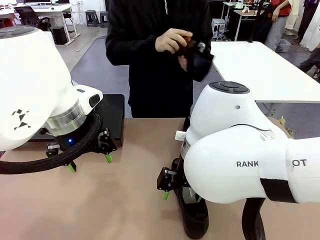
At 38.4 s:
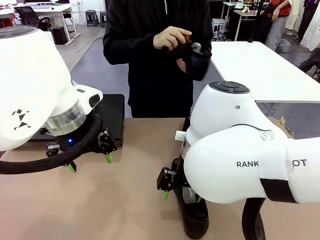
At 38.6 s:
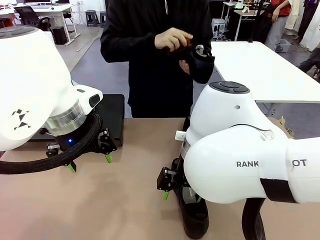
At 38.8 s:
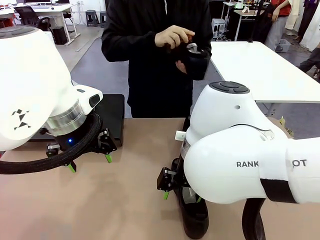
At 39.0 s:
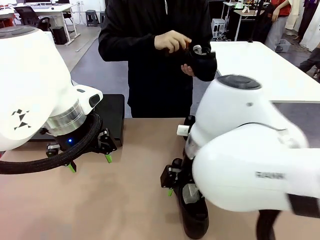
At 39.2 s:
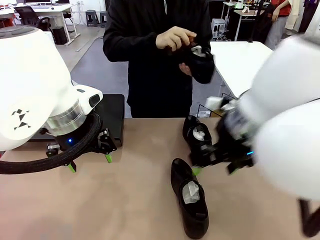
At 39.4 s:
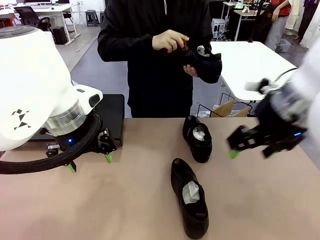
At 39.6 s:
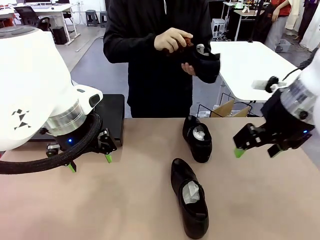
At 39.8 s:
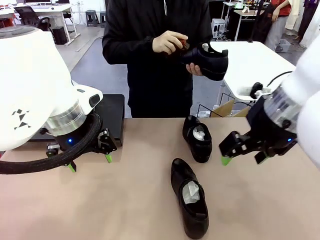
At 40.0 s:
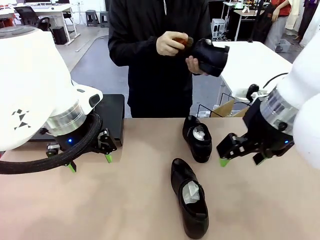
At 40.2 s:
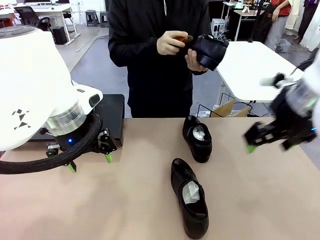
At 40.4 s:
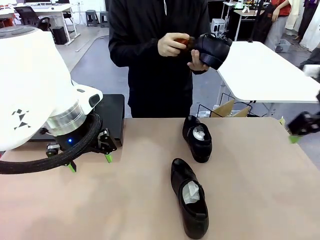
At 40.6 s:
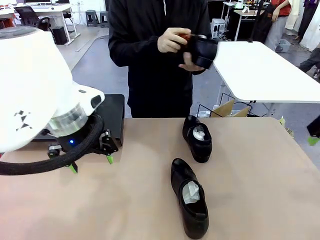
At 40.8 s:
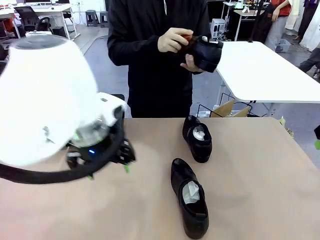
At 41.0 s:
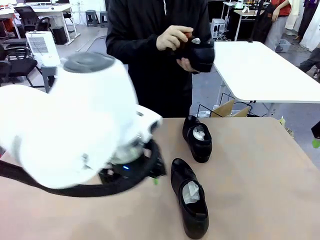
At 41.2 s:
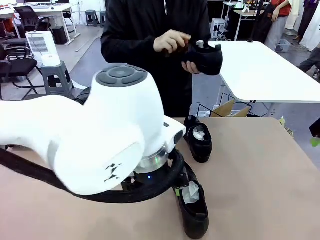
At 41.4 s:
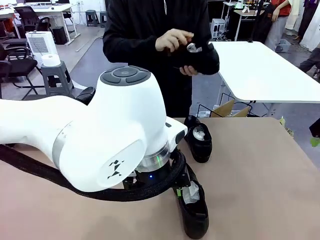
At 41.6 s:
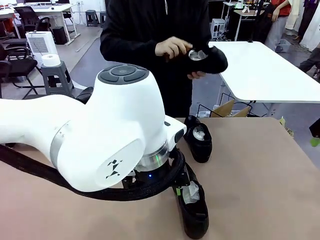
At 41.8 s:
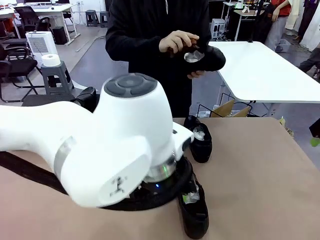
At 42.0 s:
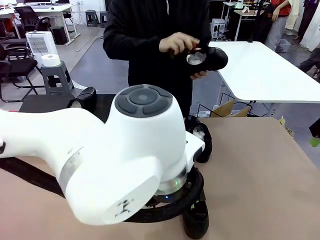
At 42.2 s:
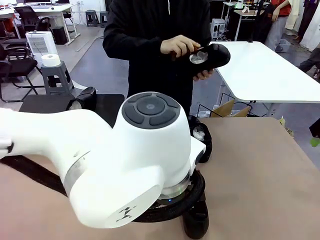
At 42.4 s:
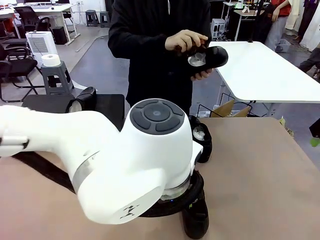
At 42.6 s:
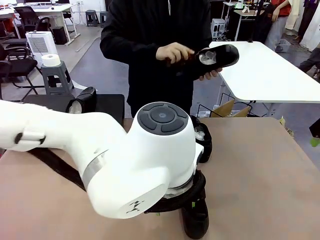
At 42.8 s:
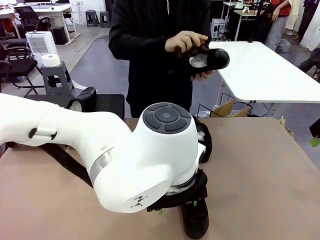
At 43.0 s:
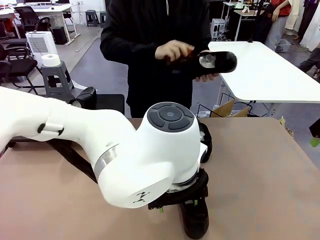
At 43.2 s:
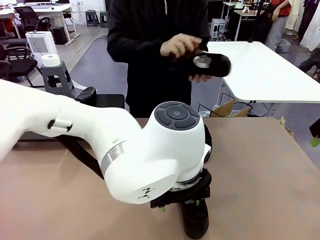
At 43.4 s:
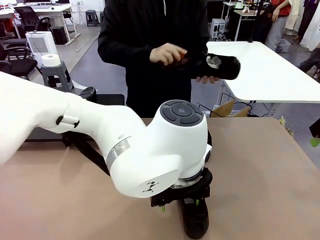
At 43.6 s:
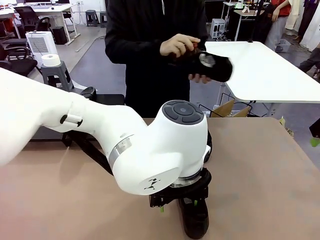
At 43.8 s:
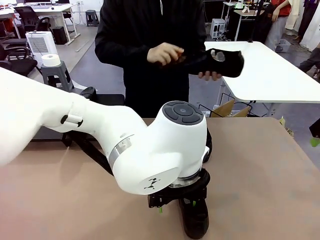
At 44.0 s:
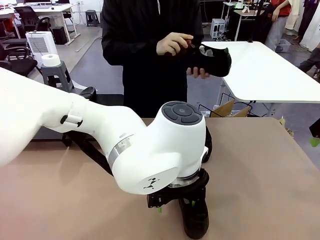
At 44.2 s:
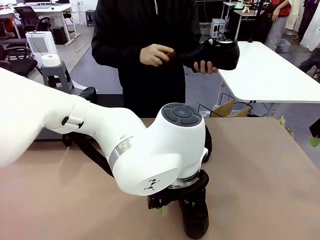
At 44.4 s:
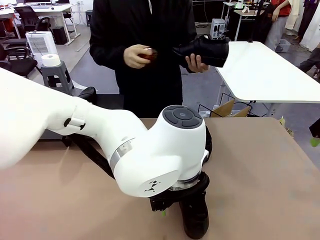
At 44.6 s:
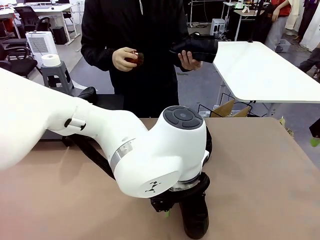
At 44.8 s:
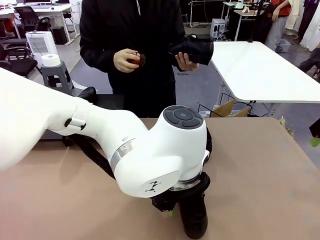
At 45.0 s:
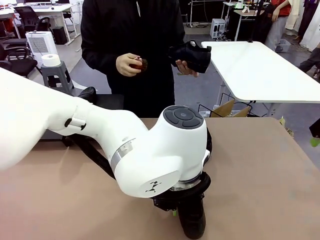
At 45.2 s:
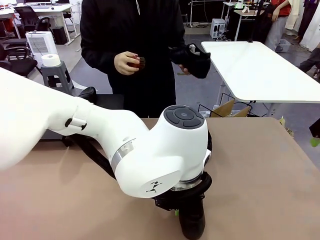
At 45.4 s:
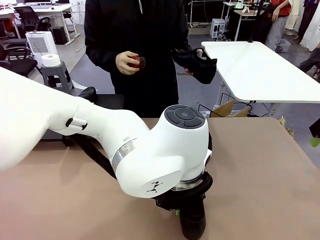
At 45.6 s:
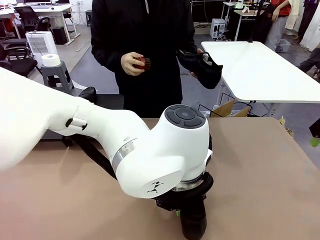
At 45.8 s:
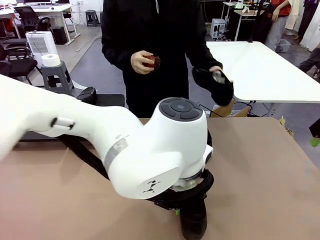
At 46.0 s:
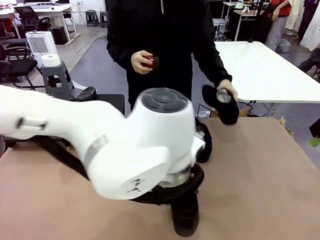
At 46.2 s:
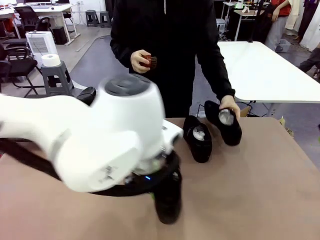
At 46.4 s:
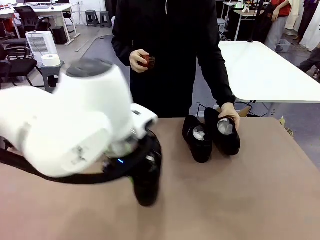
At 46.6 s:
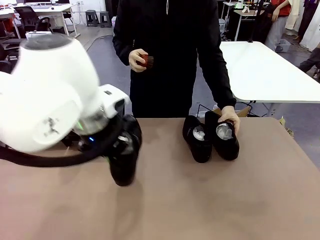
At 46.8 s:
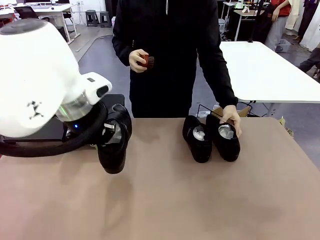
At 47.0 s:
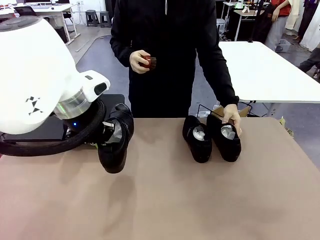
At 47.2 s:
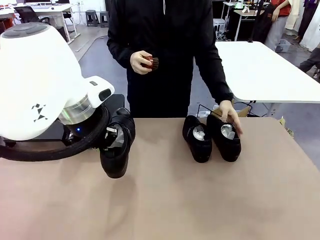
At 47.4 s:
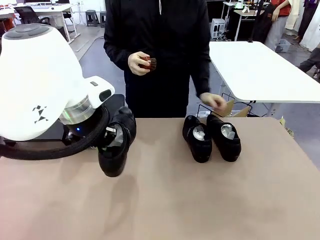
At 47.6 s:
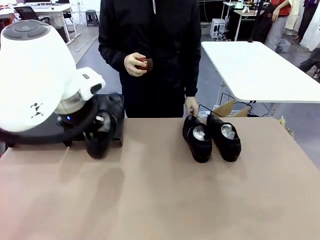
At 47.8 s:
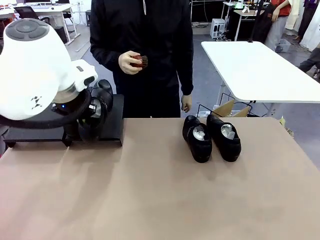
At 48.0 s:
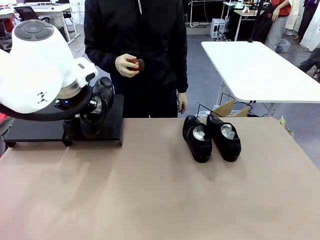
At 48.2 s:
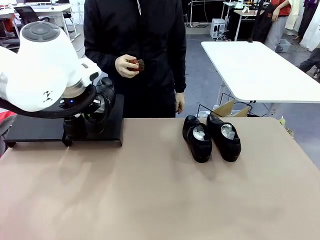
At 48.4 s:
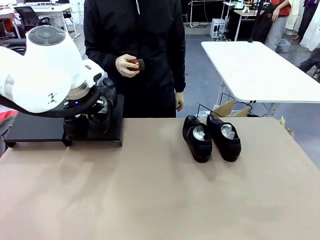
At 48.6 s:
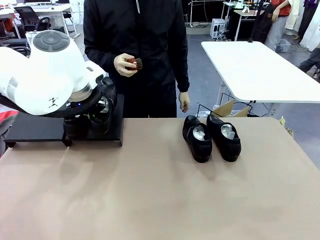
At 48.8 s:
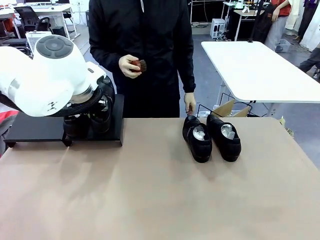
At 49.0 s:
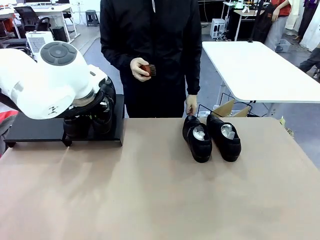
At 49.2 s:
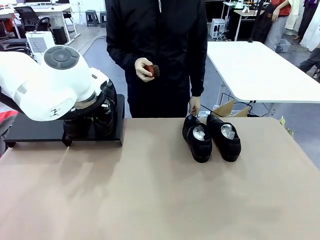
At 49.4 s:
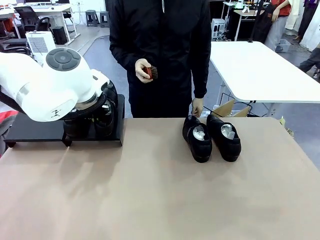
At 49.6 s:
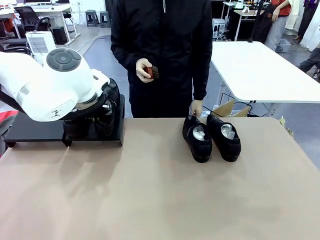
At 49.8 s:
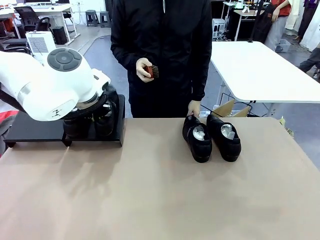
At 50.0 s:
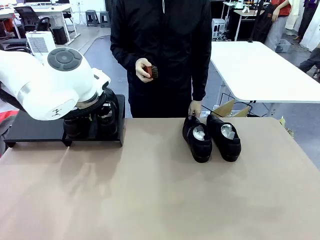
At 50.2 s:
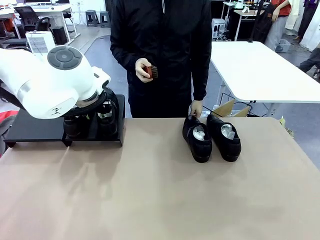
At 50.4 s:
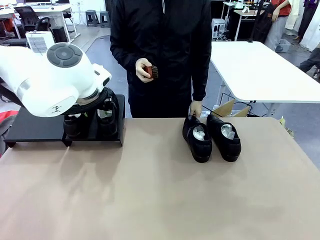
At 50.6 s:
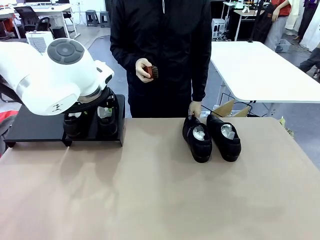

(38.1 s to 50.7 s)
Task: Organize the shoes by placing them on the stand.
Robot: Place the Shoe from the middle of the table onto the Shoes Stand.

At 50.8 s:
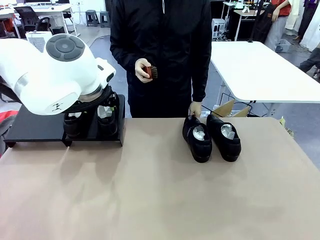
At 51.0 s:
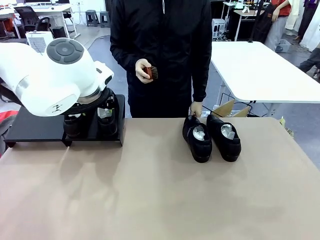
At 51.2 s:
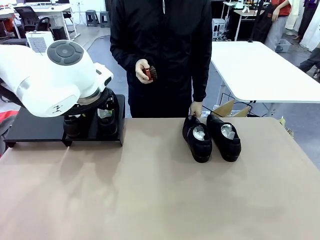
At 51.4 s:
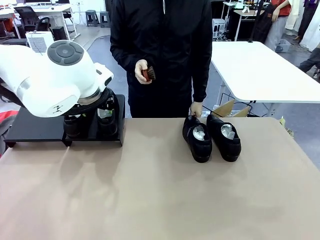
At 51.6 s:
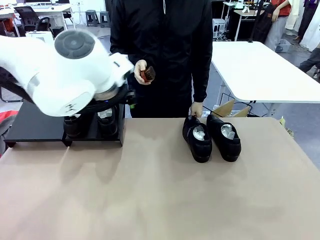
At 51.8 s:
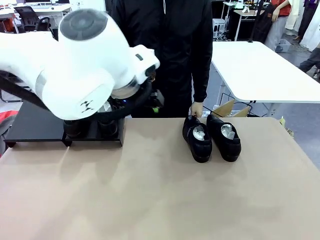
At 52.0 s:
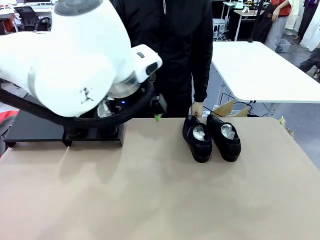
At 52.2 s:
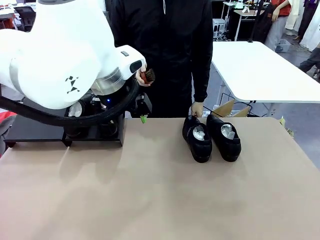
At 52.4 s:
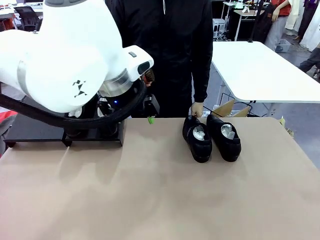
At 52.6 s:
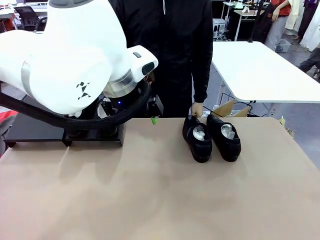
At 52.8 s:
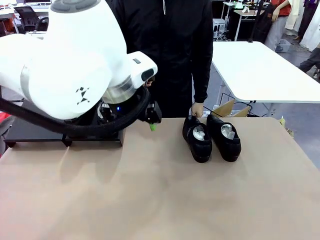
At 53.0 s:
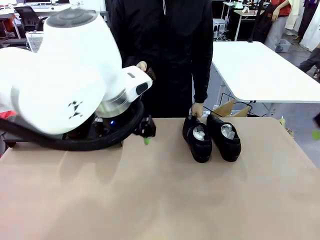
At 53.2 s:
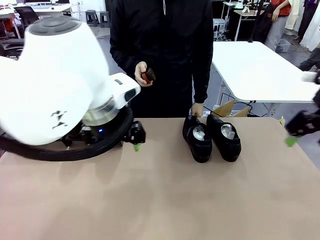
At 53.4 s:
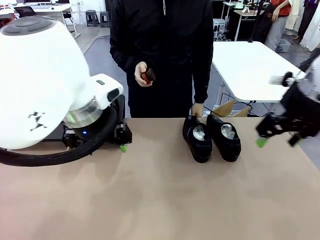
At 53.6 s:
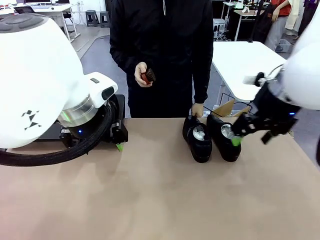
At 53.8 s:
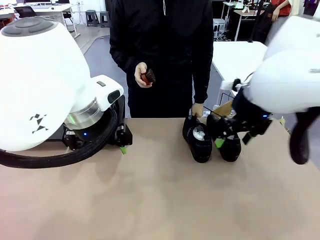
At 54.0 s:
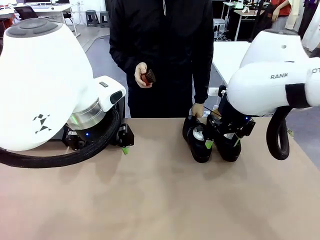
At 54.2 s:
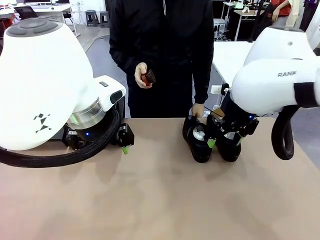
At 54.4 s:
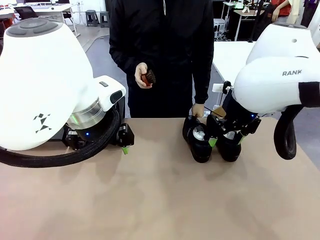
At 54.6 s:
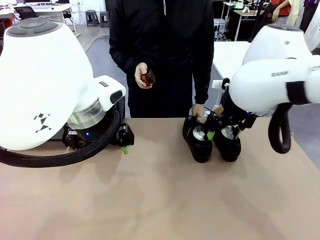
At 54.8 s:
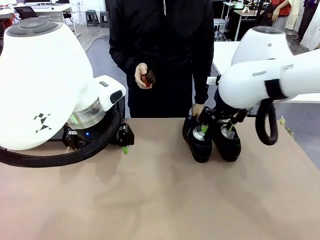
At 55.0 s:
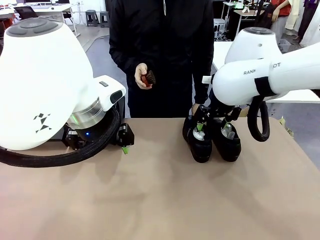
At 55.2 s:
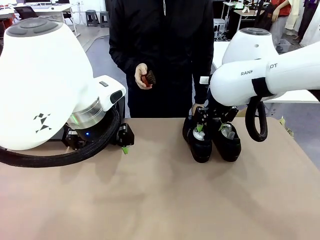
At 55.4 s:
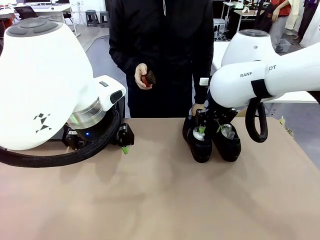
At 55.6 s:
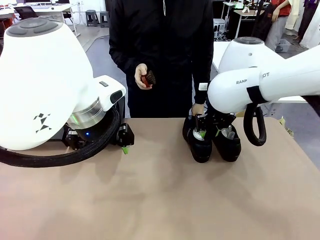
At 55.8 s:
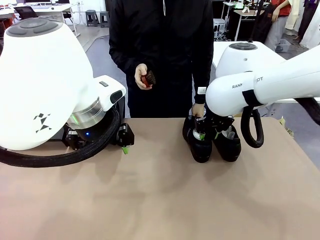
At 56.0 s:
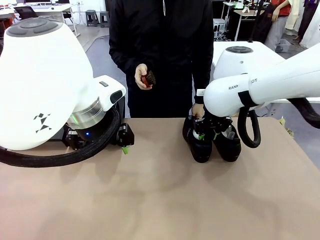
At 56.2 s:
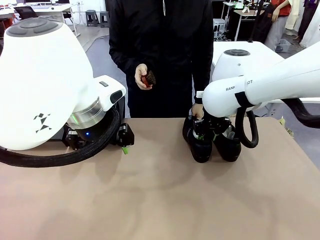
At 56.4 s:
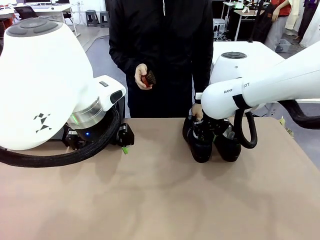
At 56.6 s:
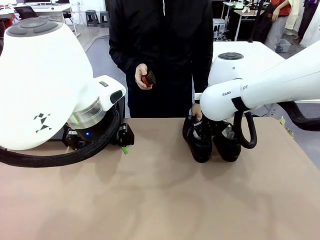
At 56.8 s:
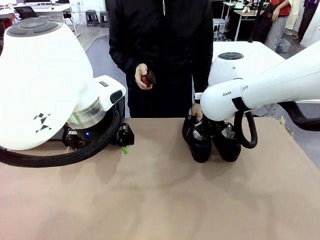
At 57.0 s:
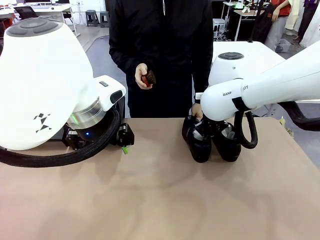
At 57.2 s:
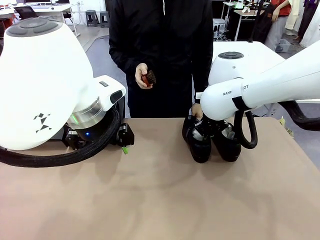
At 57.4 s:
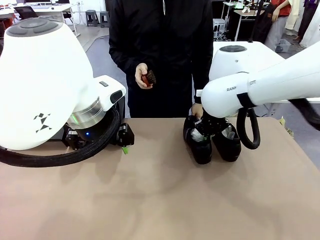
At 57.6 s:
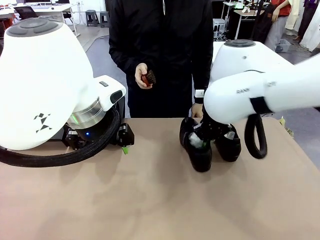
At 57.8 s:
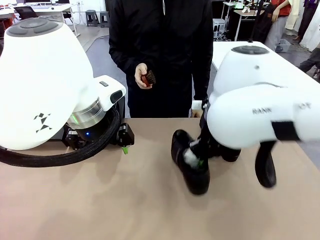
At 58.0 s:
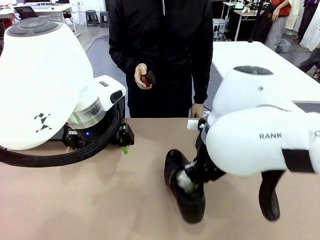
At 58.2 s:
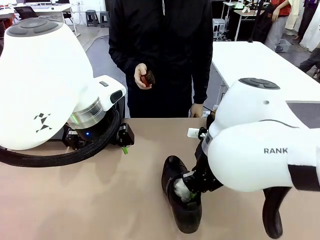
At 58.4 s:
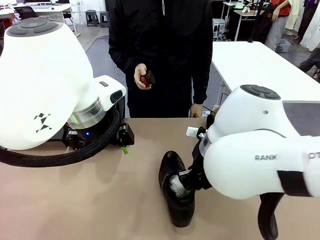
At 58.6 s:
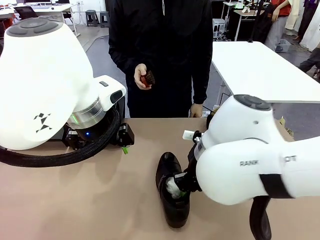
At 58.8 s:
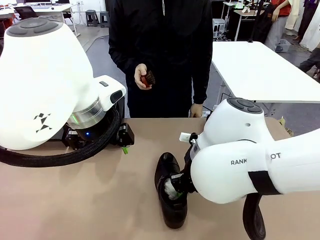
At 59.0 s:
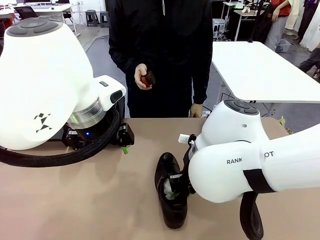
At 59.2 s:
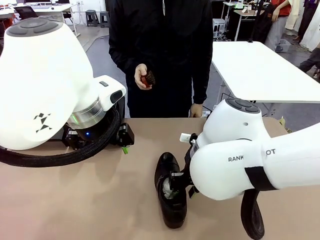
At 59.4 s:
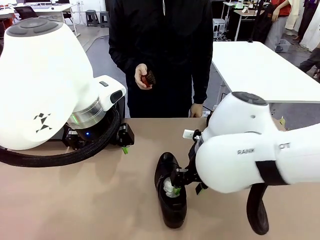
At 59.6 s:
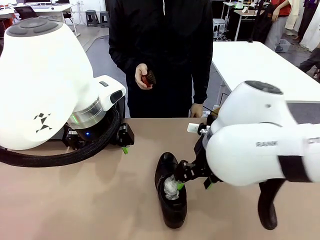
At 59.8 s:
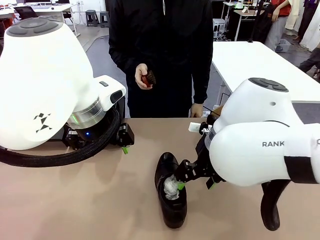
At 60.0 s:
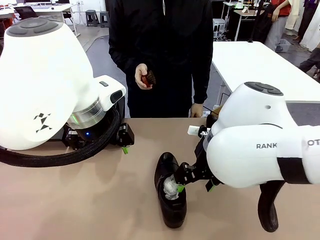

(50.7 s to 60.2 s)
Robot: Pick up one Shoe and place it in the middle of the table.
